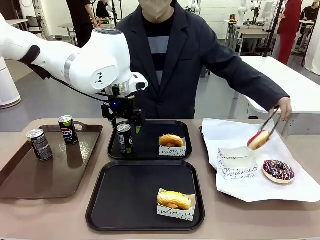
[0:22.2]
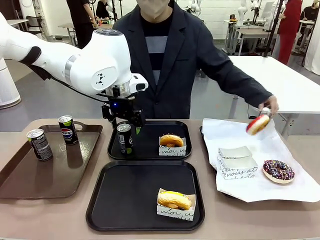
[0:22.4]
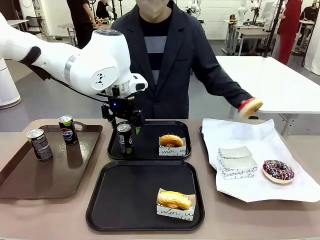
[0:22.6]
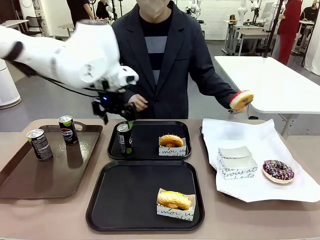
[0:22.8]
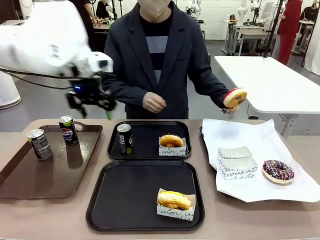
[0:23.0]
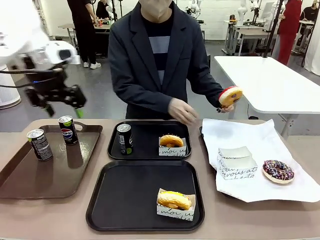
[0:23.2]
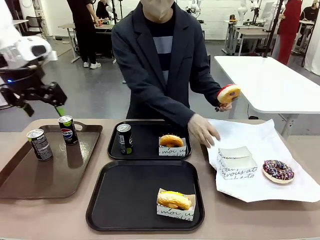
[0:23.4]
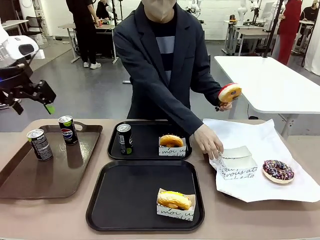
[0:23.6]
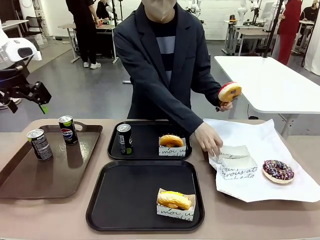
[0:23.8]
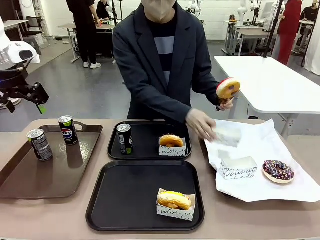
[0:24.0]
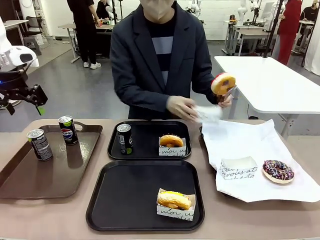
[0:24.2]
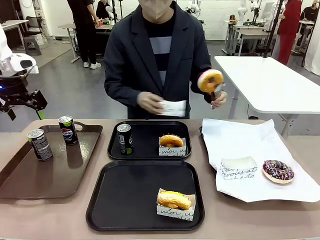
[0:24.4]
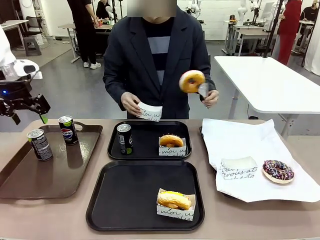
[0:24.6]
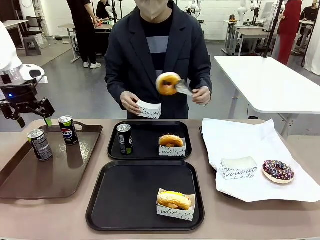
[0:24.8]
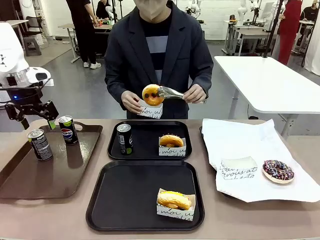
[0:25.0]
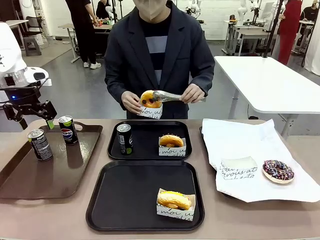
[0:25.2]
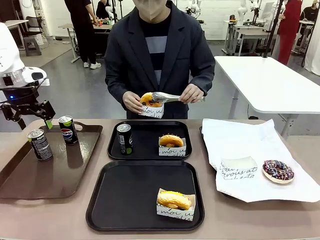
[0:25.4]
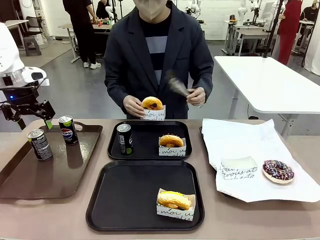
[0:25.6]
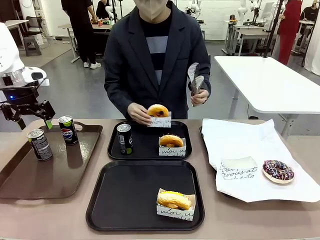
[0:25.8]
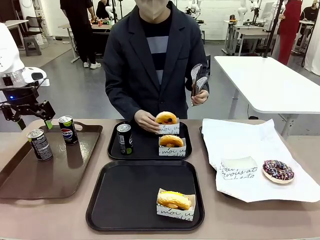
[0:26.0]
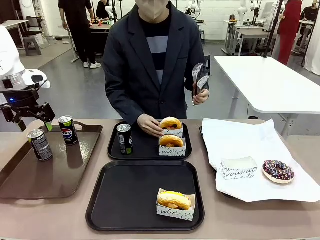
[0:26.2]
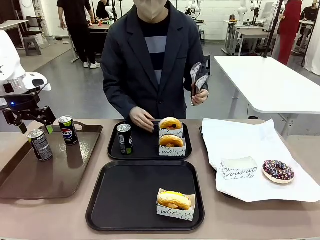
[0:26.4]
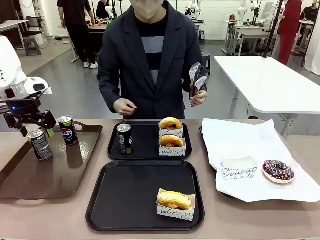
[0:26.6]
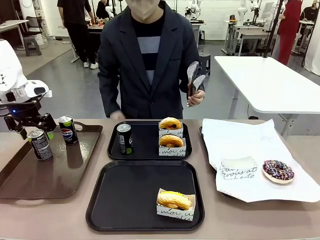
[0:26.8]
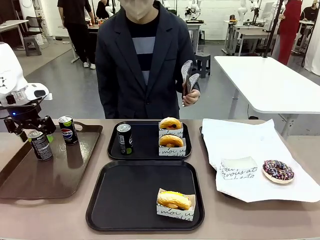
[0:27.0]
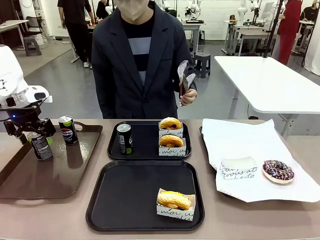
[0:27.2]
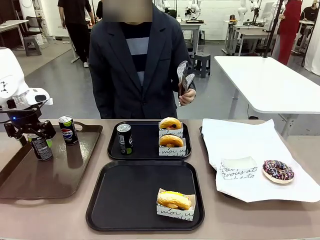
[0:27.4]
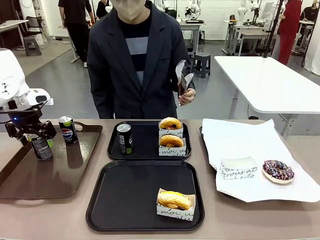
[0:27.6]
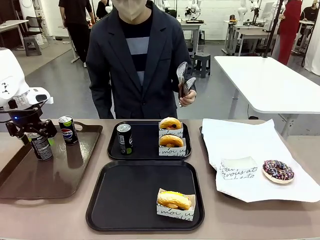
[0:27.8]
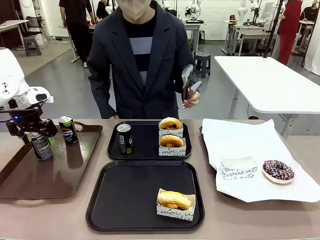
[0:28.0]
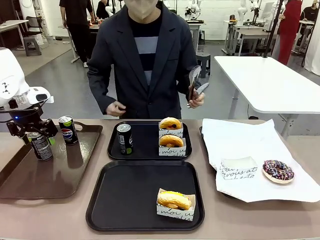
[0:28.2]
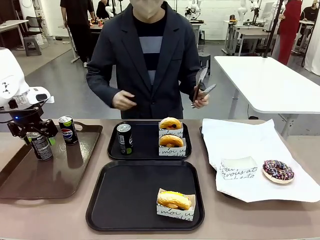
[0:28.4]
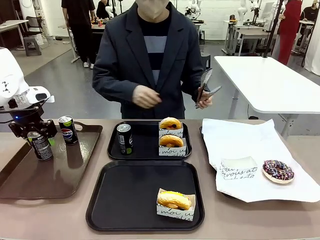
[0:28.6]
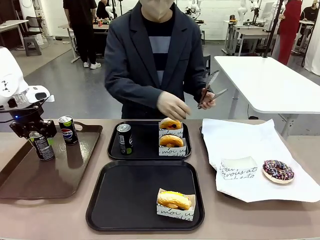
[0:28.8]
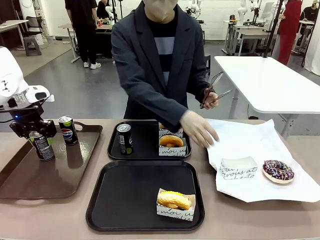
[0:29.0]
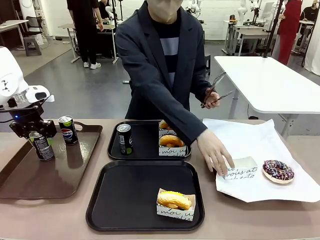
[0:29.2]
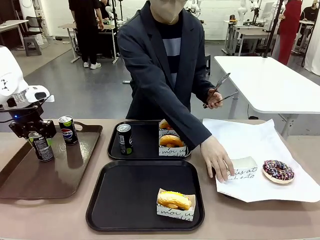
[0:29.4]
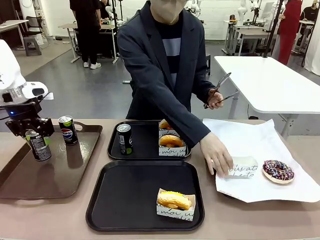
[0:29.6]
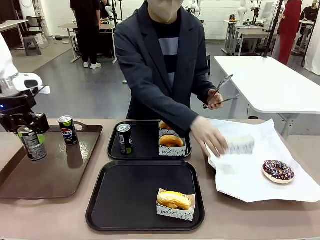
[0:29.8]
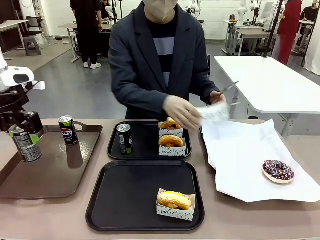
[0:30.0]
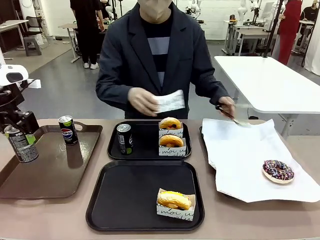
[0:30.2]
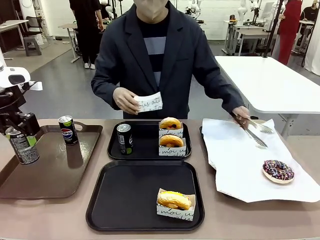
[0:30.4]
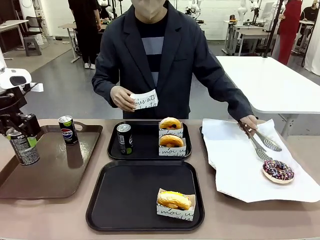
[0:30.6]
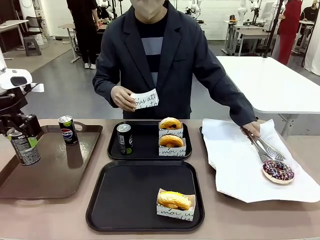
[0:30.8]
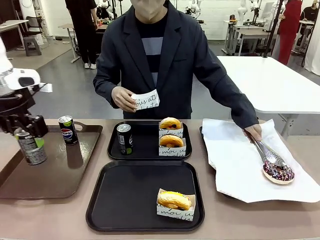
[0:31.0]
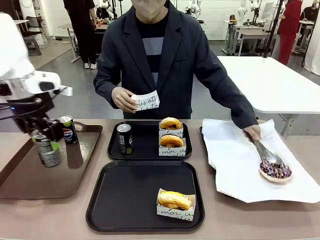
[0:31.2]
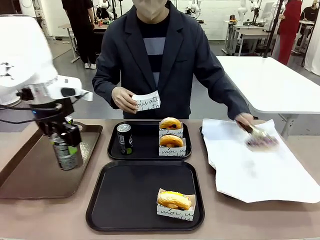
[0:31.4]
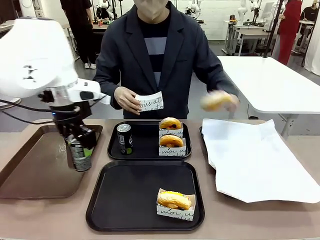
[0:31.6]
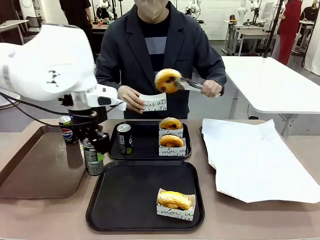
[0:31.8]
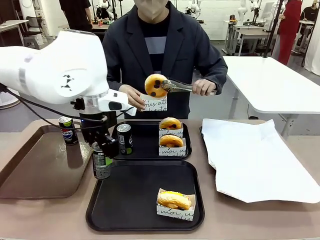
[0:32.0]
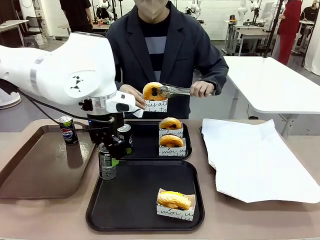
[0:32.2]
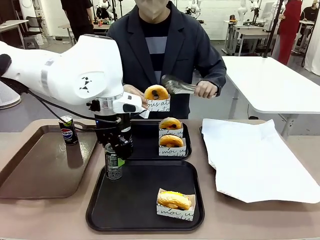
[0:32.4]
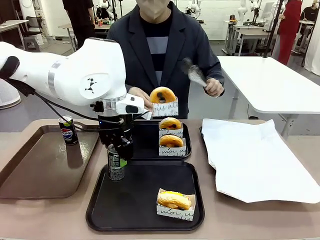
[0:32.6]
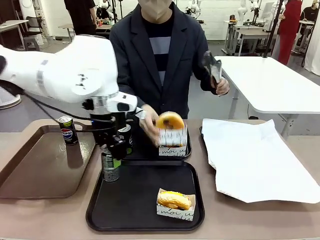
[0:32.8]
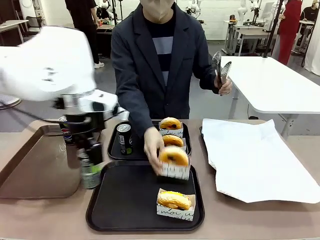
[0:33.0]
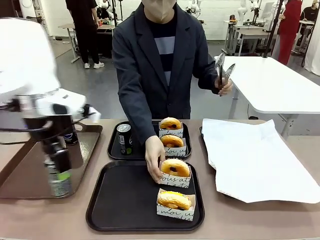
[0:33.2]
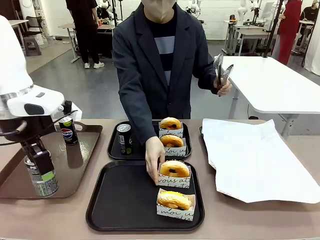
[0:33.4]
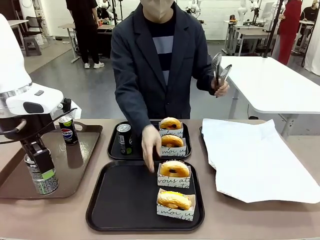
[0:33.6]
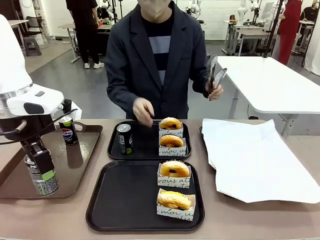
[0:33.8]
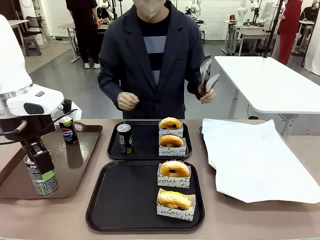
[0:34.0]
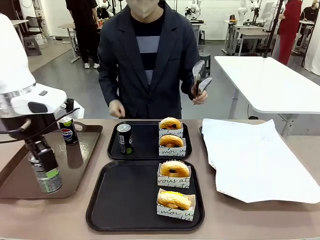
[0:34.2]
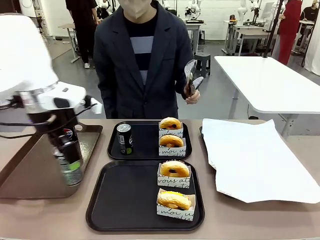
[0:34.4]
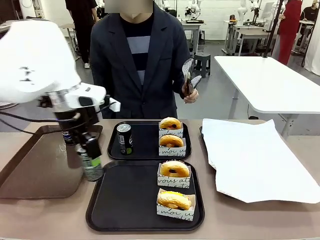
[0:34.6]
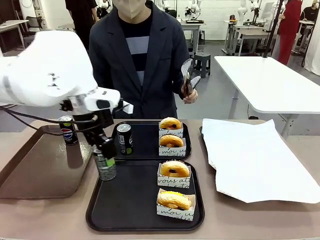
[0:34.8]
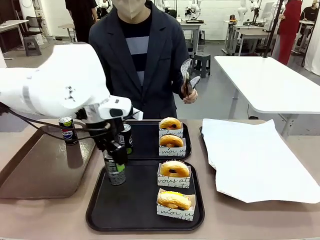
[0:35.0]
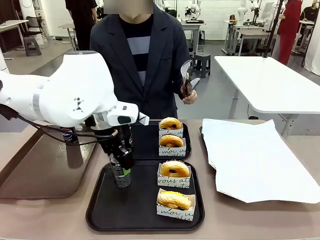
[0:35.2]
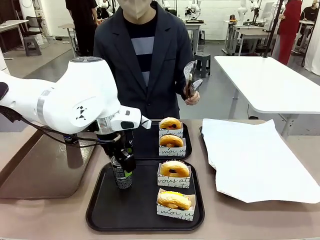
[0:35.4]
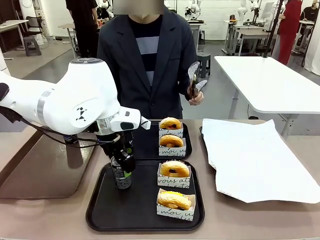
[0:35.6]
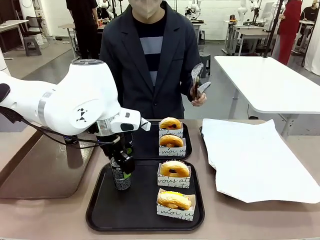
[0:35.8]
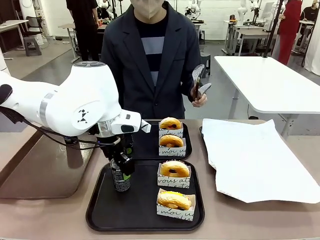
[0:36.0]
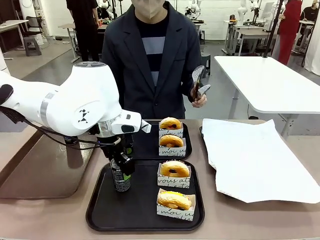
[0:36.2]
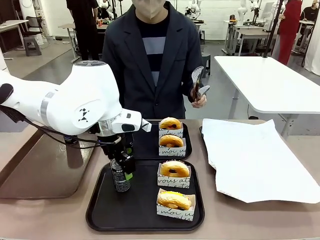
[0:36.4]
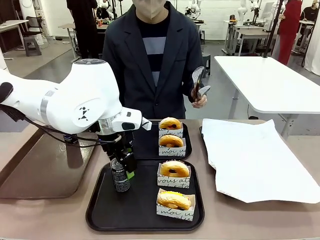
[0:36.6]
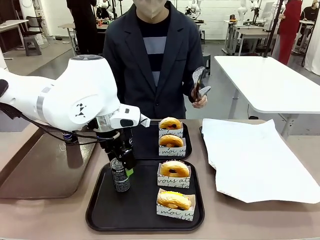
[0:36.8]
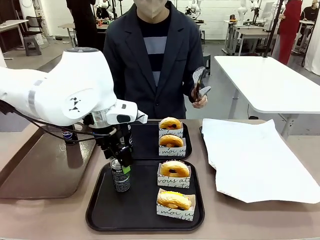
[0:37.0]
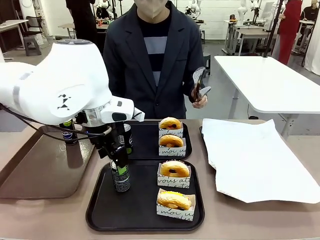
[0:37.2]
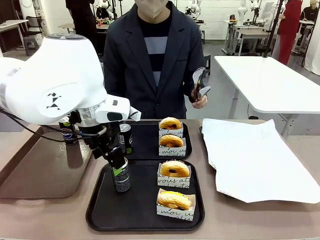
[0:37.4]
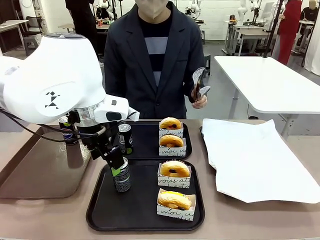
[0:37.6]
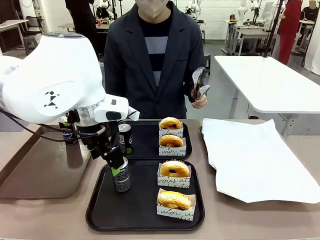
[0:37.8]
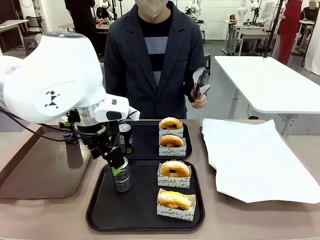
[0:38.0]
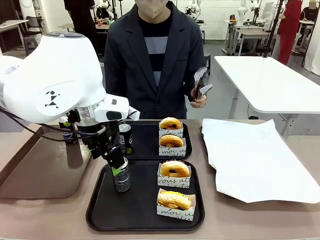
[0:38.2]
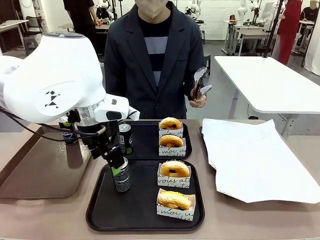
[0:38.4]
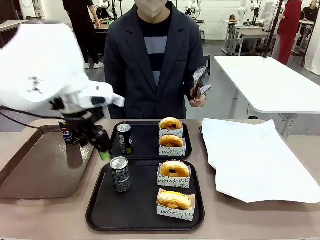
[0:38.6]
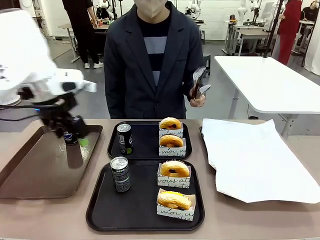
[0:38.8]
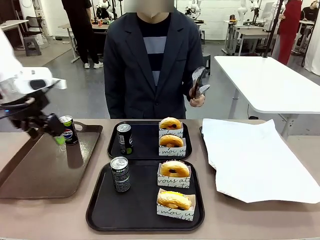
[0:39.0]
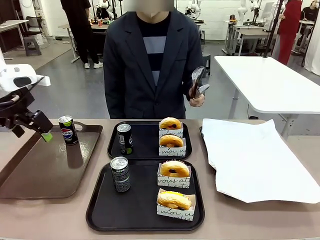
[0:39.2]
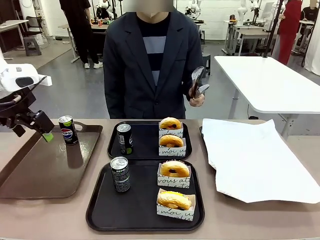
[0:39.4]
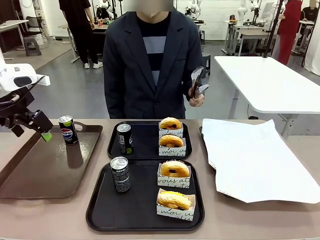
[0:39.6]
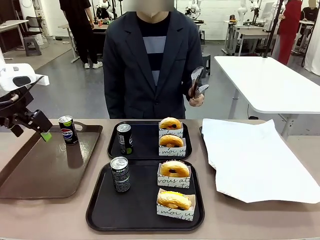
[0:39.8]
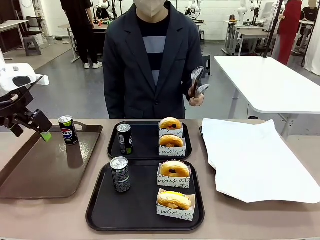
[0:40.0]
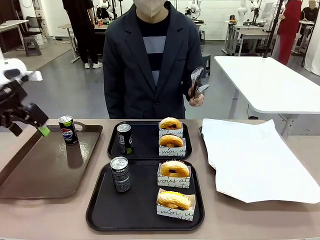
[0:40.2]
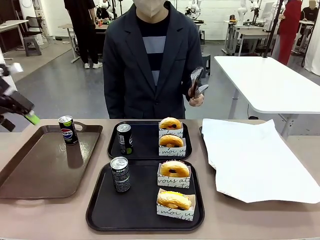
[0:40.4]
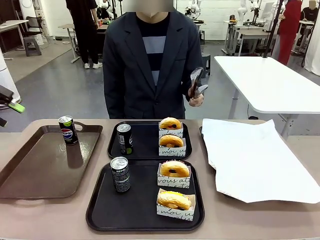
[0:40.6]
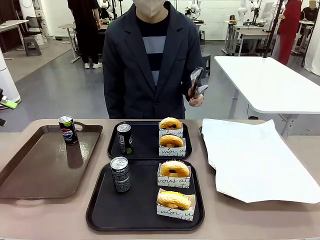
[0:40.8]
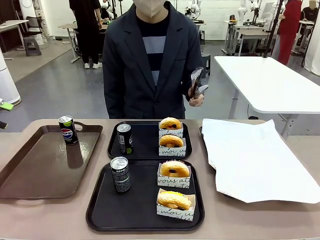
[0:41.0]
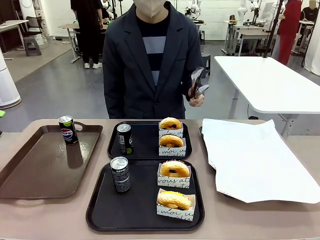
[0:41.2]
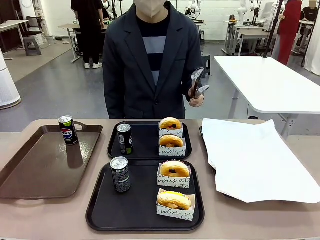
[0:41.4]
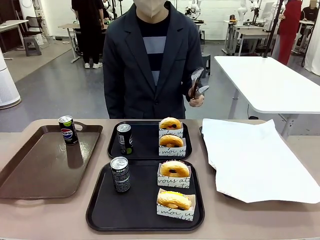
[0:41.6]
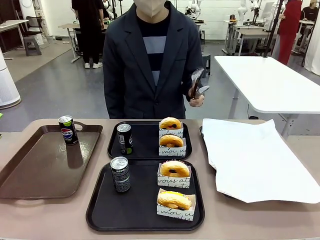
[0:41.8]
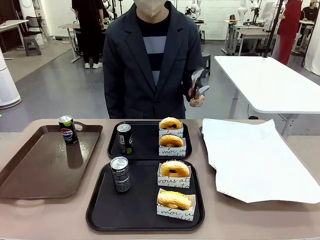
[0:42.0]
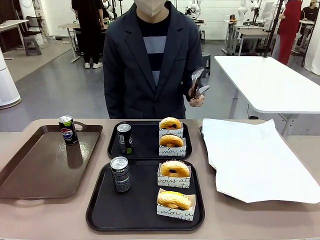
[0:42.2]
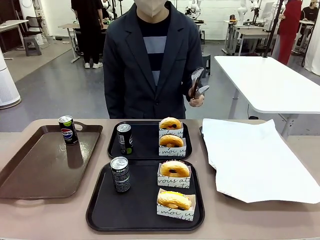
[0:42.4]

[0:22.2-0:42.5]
Task: Set up donuts and drinks on trays.
Robot: Pick up one Pepsi coke from the Handle tray and place it on the Flat Tray without a Pepsi coke.
